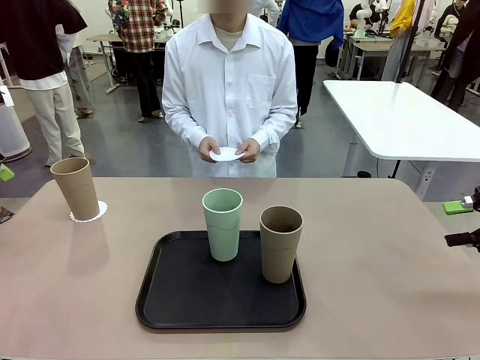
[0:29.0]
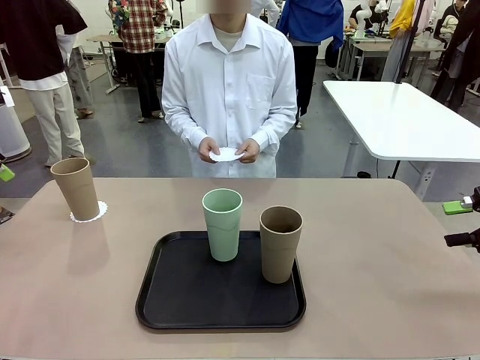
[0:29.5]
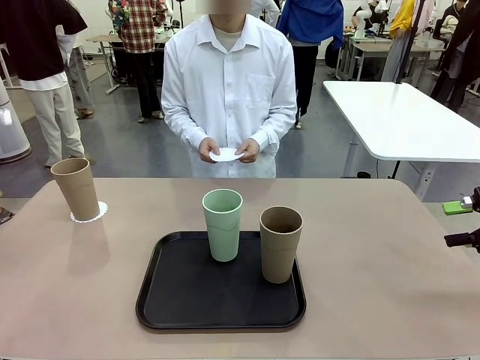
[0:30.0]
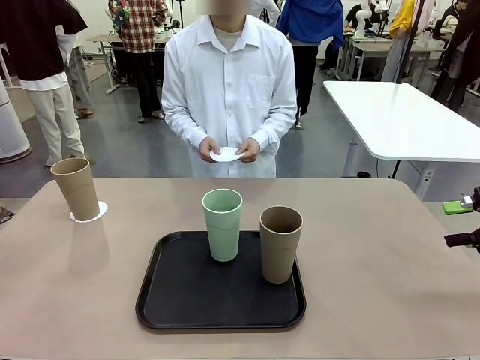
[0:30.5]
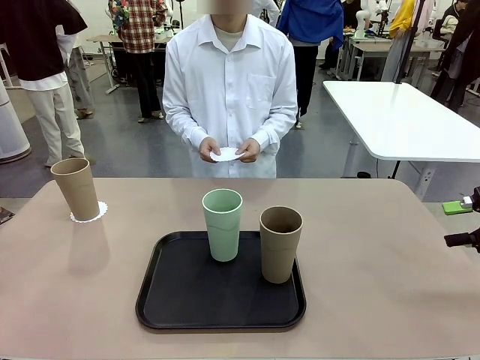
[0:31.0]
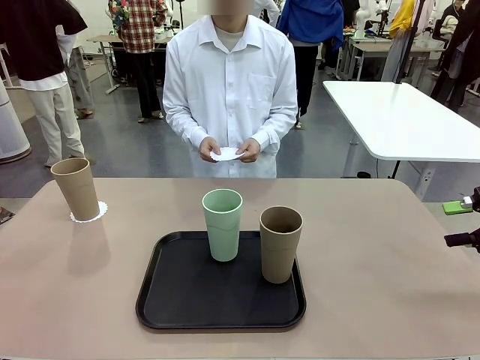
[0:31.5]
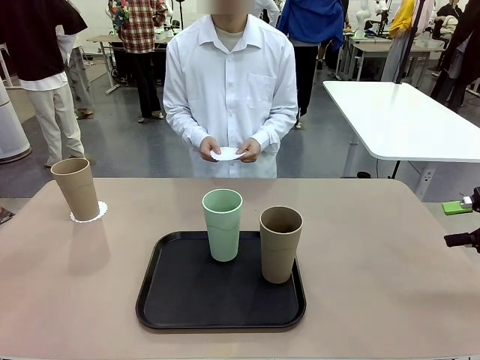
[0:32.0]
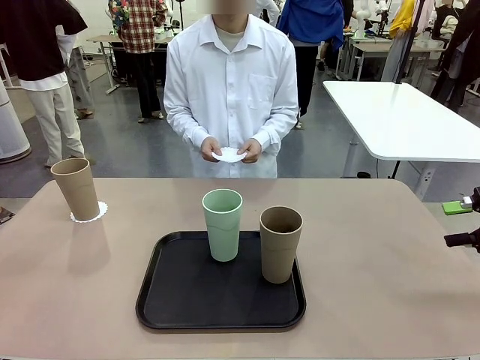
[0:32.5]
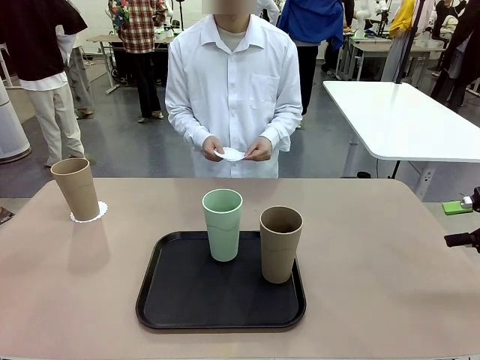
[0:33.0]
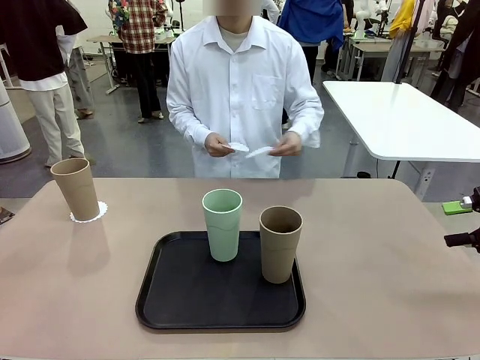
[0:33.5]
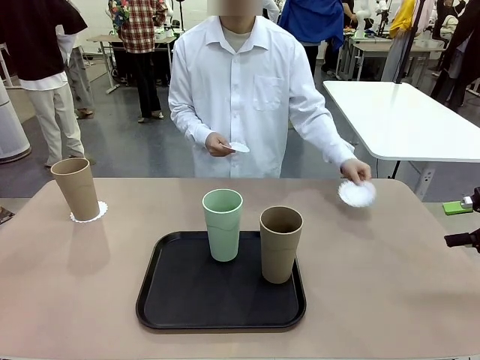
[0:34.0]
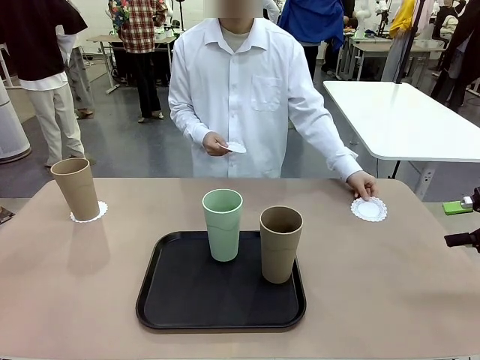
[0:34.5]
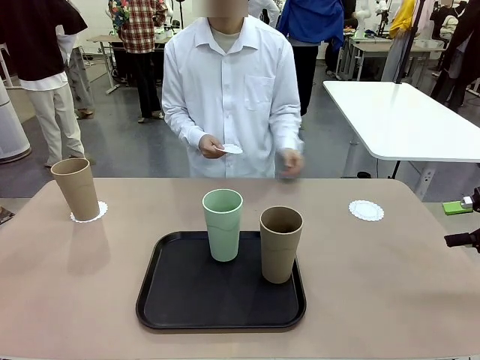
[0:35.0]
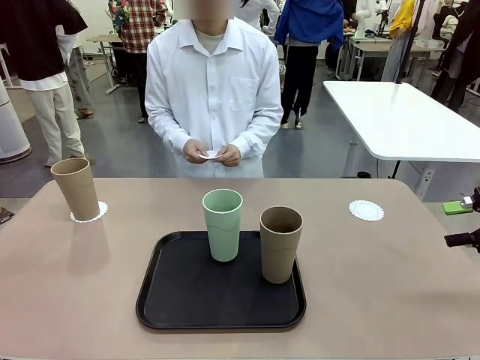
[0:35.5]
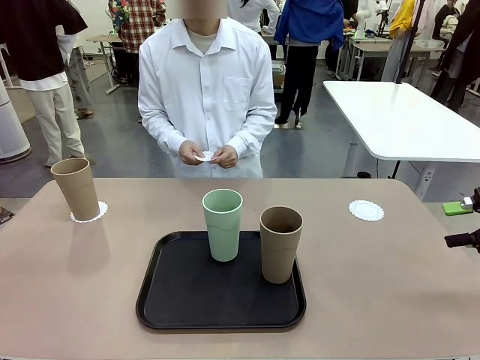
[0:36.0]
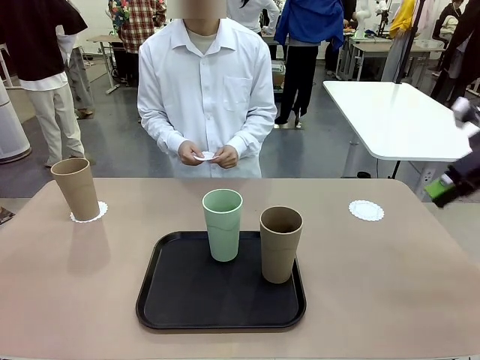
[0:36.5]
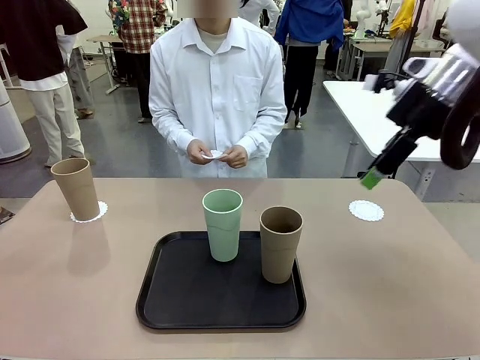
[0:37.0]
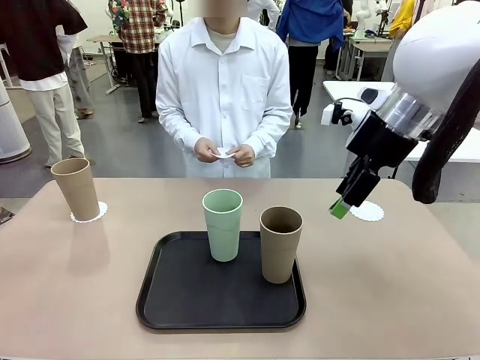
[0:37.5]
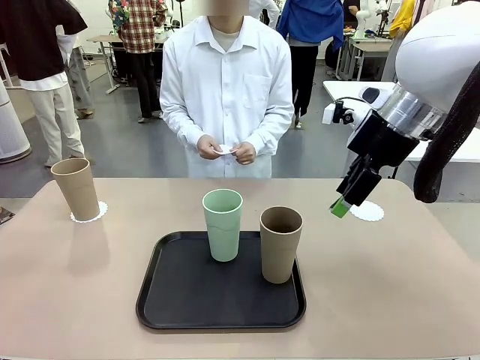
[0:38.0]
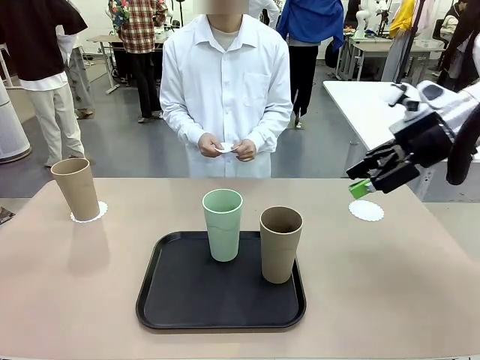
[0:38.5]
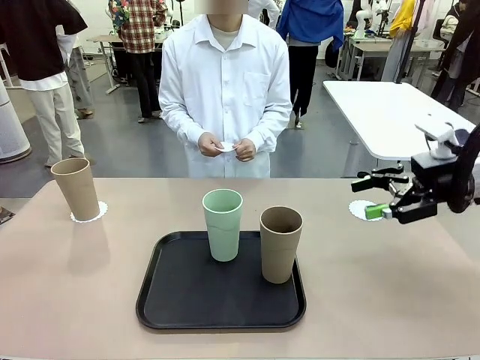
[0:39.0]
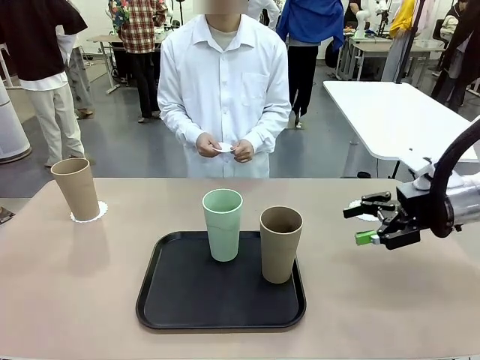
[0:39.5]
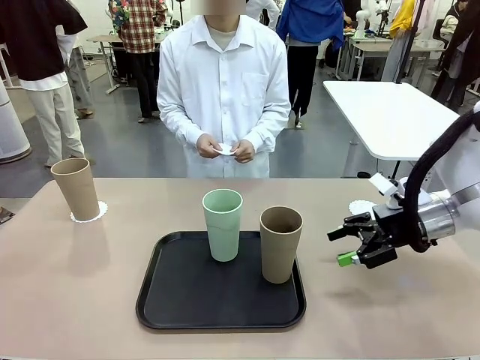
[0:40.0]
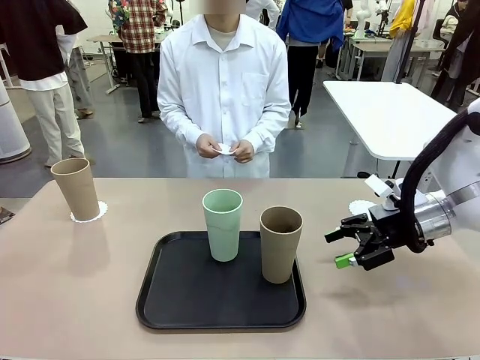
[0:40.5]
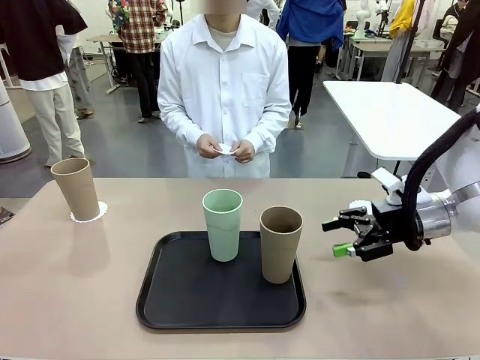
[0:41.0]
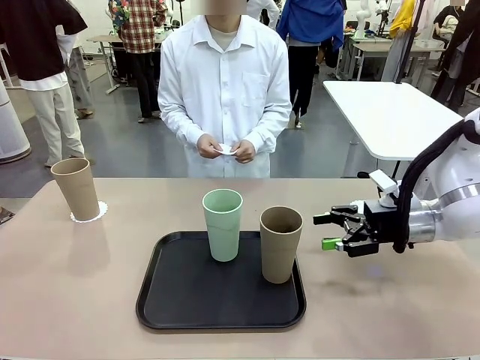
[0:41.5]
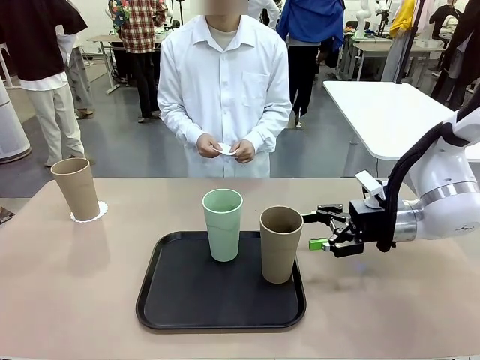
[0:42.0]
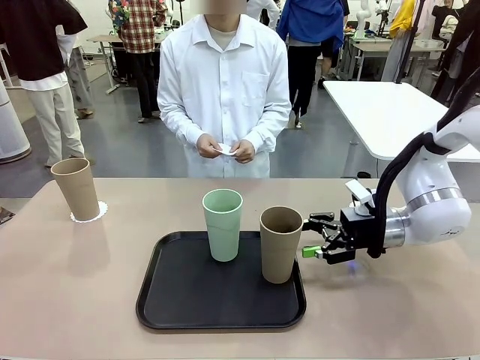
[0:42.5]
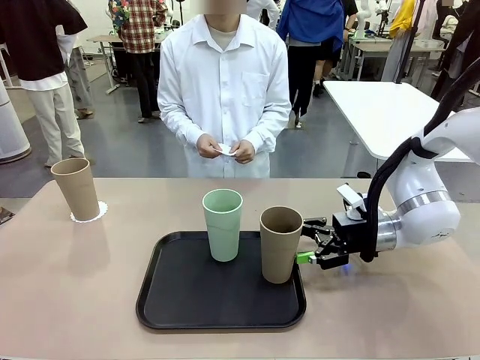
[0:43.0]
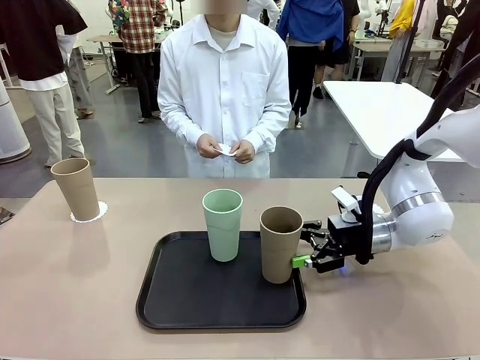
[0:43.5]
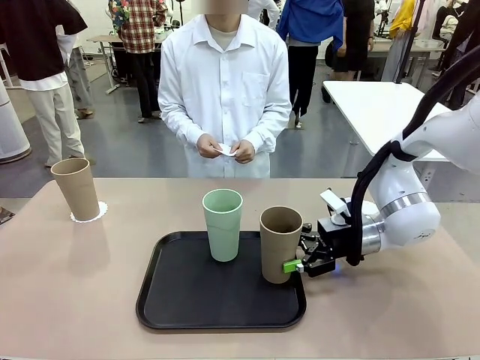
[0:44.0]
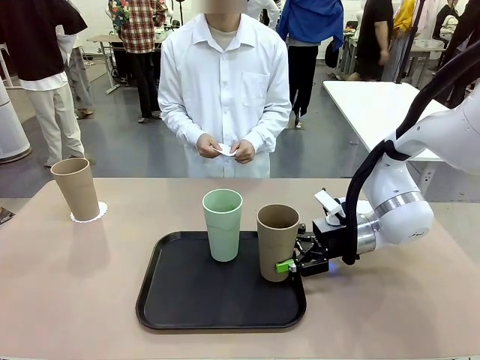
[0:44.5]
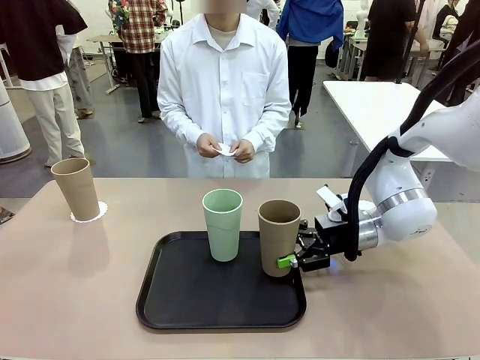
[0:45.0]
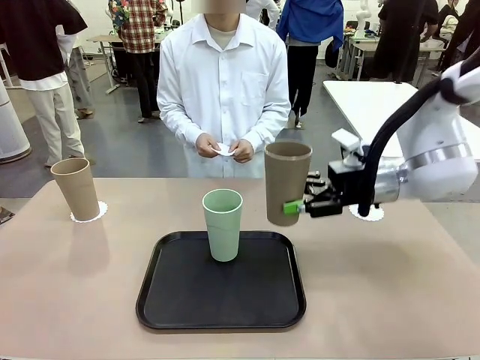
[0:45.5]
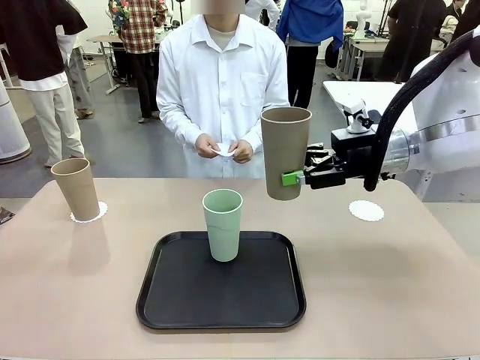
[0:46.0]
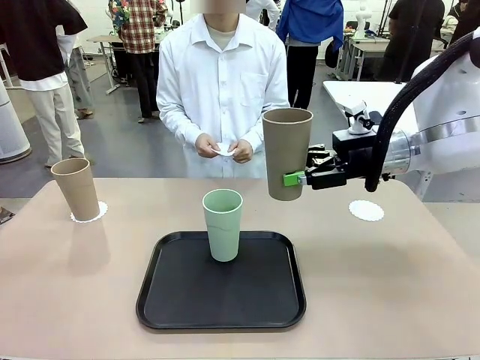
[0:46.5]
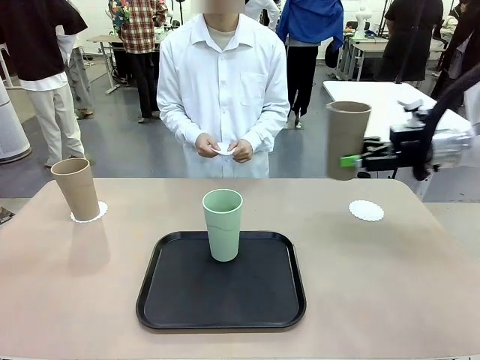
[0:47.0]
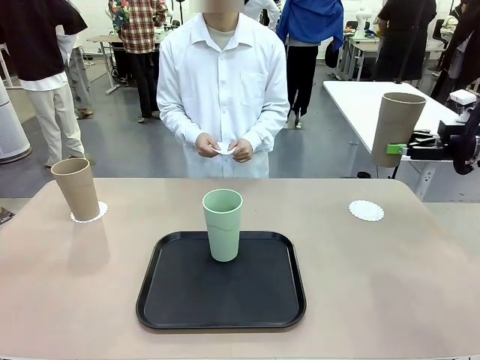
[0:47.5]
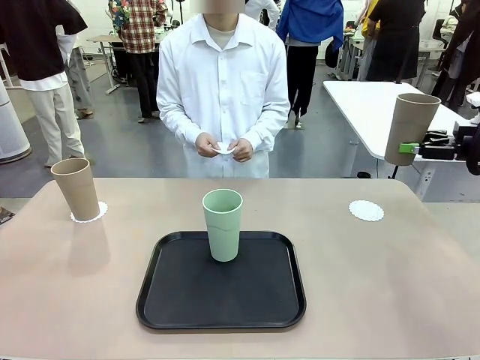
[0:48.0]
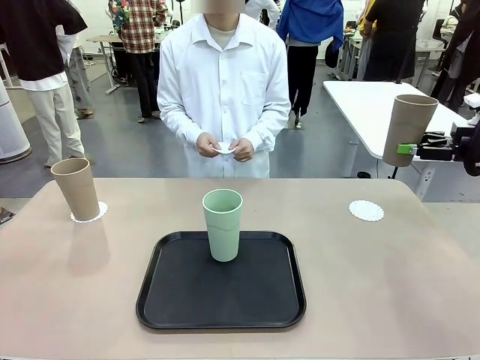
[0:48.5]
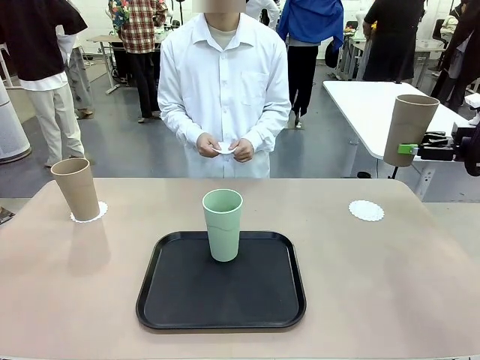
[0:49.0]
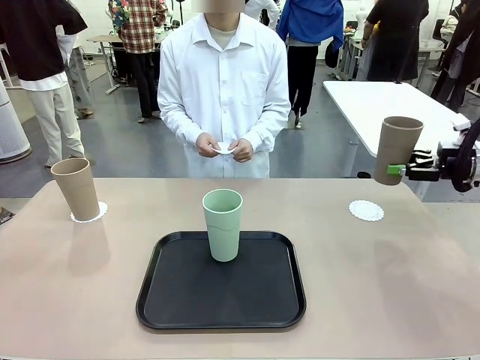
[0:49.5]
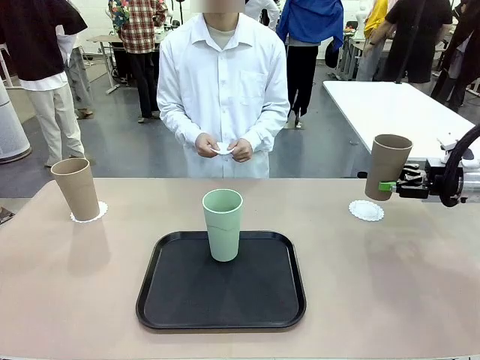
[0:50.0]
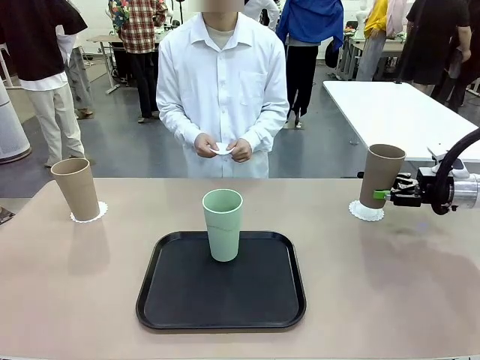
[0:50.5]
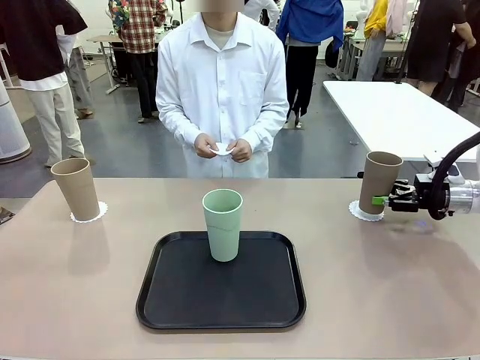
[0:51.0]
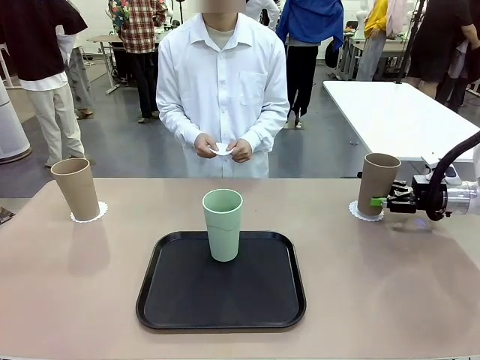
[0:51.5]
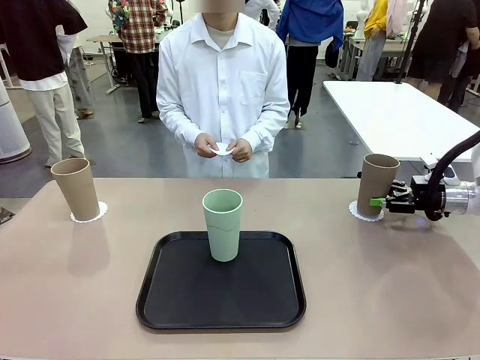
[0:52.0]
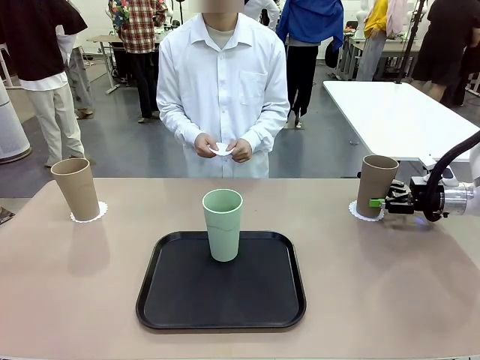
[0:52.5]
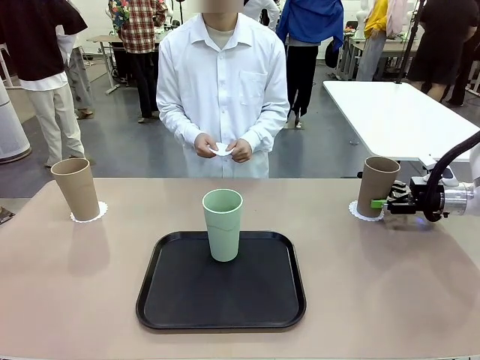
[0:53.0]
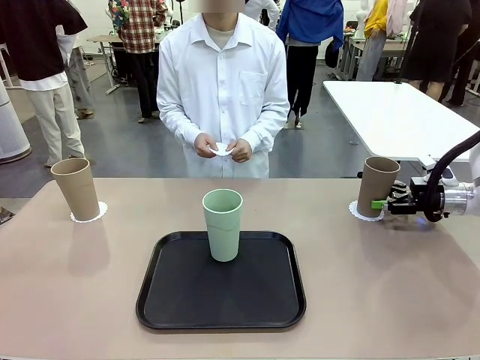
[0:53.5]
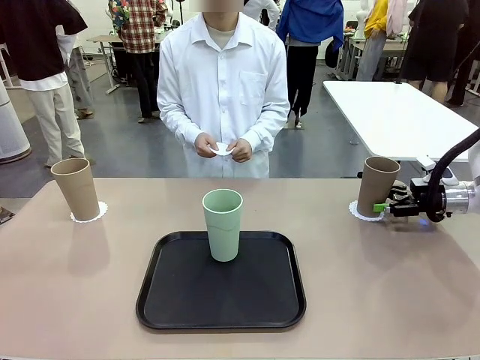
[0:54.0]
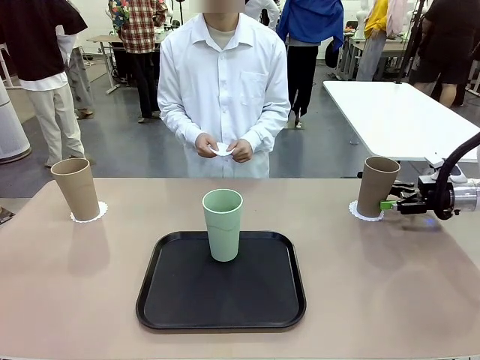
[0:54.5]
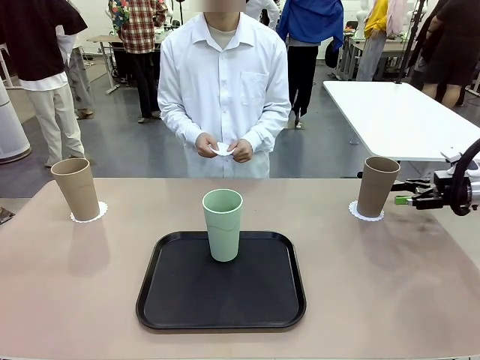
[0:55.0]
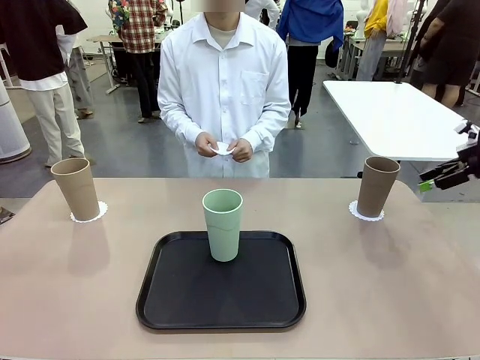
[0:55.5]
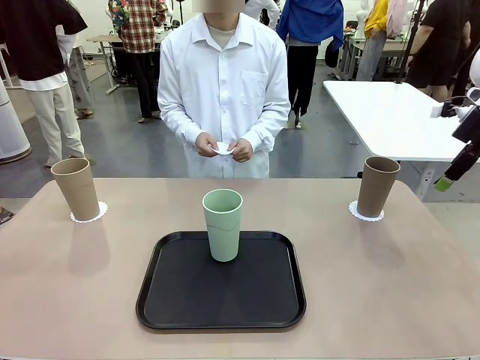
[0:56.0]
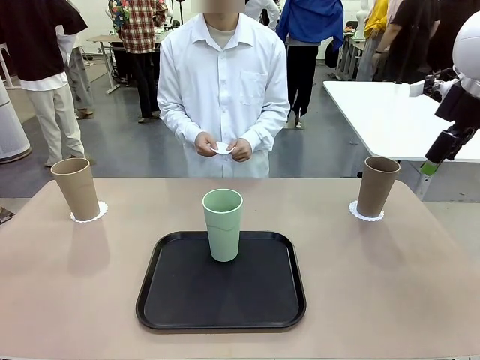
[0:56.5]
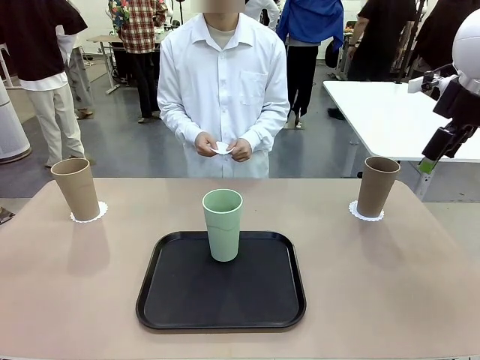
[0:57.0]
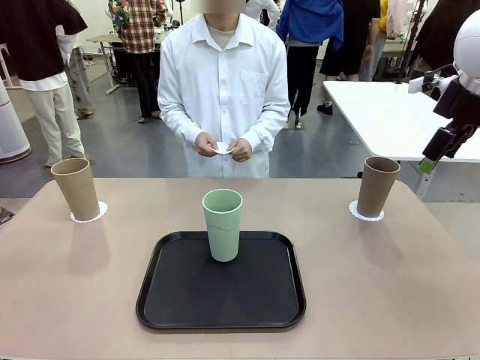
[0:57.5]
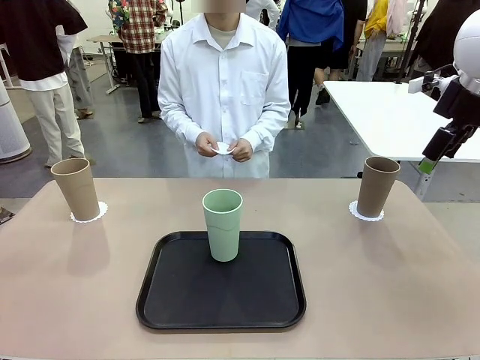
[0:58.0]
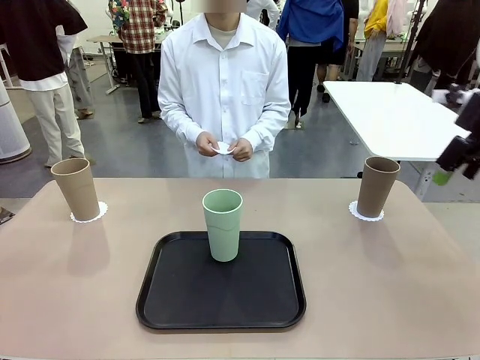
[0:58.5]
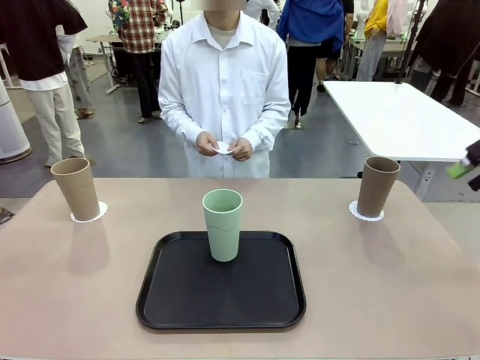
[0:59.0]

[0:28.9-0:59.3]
Task: Place coasters on the table and set cups on them.
Robot: Take one Reusable plastic cup from the Flat Tray and place it on a coaster set by the human.
